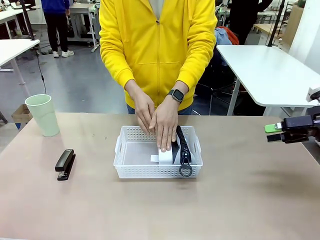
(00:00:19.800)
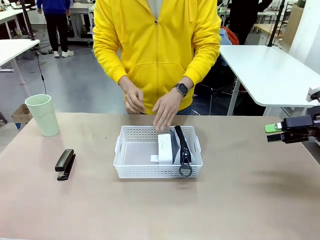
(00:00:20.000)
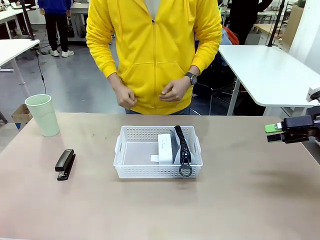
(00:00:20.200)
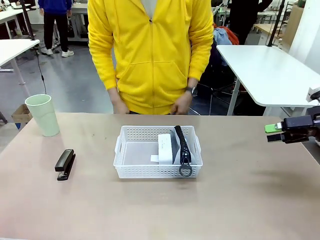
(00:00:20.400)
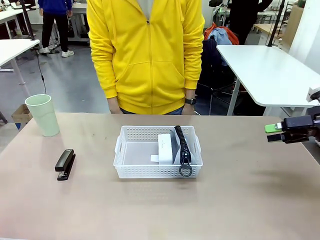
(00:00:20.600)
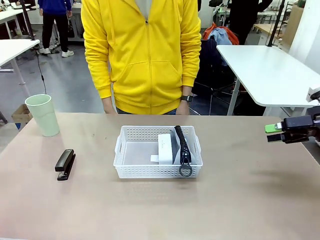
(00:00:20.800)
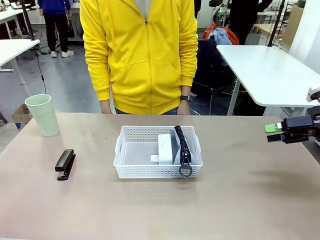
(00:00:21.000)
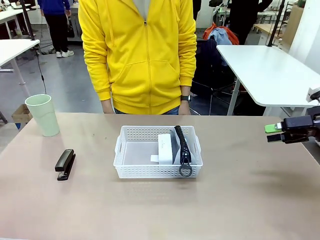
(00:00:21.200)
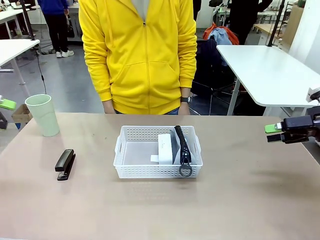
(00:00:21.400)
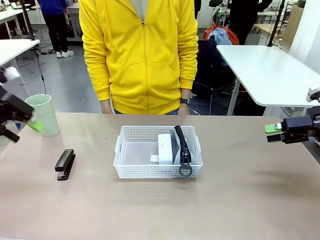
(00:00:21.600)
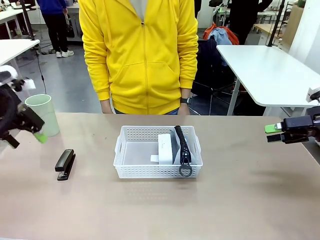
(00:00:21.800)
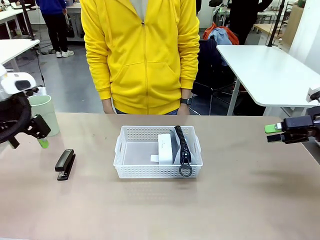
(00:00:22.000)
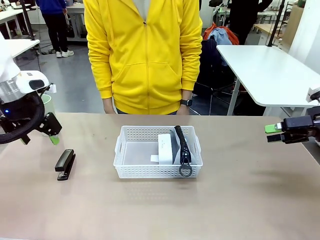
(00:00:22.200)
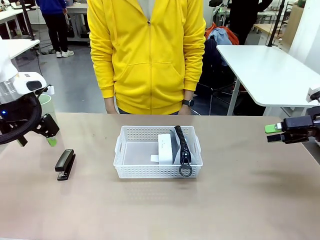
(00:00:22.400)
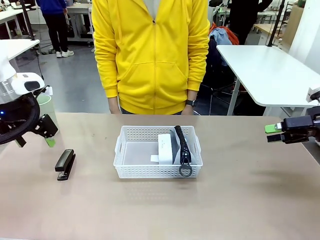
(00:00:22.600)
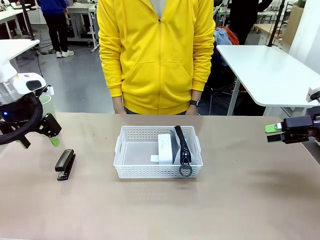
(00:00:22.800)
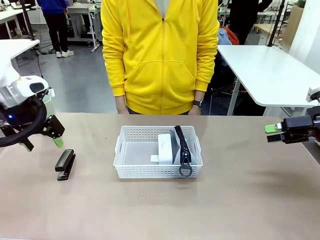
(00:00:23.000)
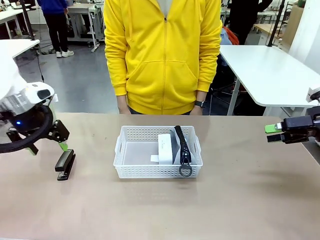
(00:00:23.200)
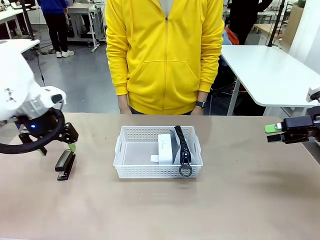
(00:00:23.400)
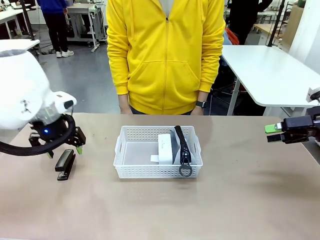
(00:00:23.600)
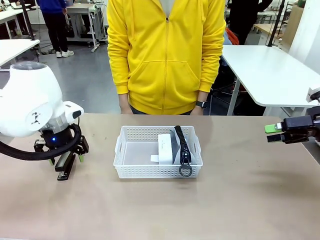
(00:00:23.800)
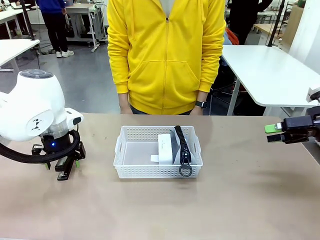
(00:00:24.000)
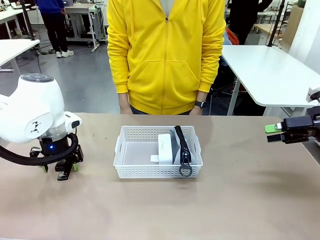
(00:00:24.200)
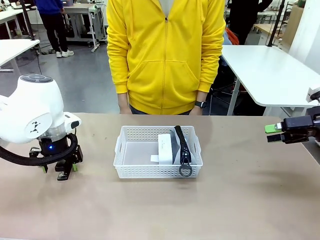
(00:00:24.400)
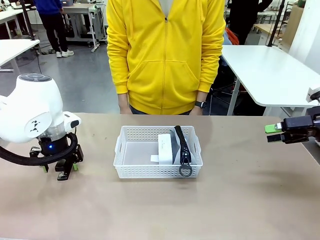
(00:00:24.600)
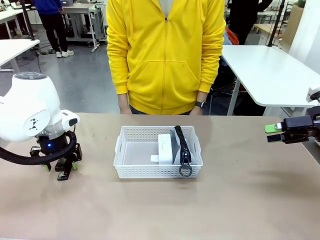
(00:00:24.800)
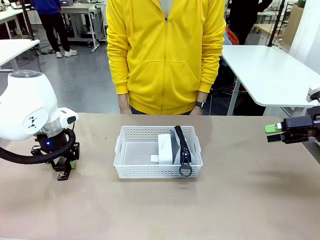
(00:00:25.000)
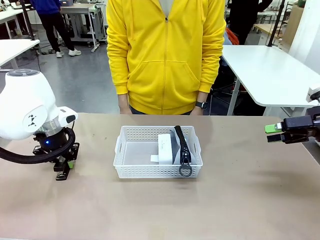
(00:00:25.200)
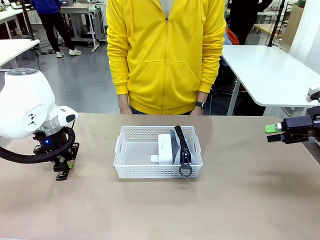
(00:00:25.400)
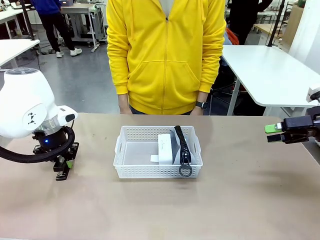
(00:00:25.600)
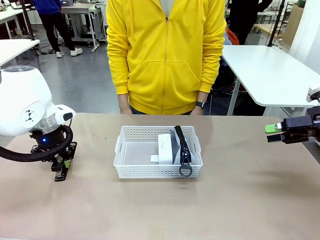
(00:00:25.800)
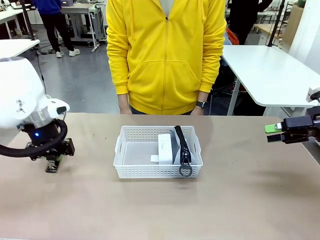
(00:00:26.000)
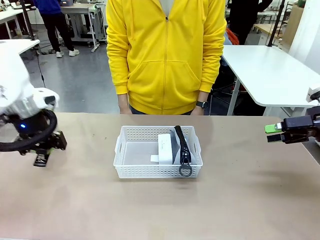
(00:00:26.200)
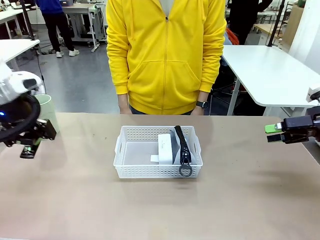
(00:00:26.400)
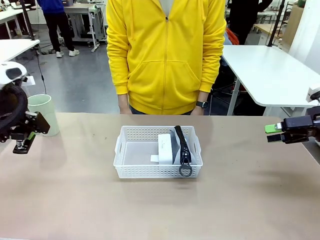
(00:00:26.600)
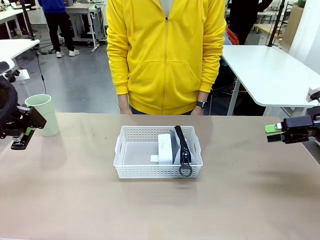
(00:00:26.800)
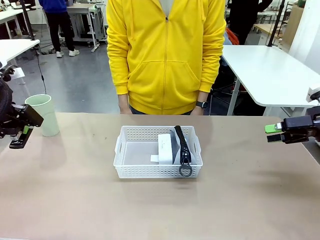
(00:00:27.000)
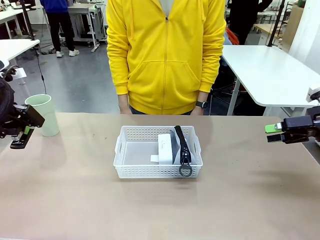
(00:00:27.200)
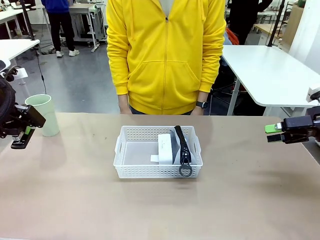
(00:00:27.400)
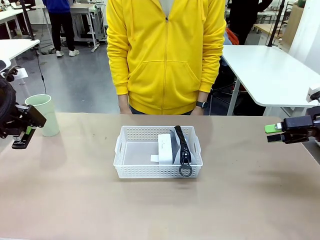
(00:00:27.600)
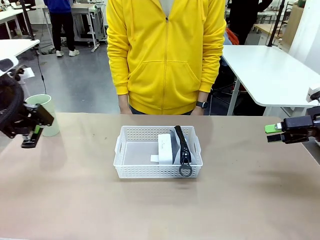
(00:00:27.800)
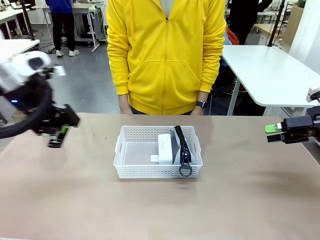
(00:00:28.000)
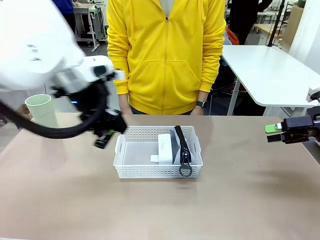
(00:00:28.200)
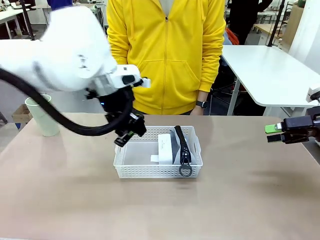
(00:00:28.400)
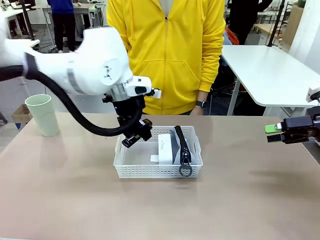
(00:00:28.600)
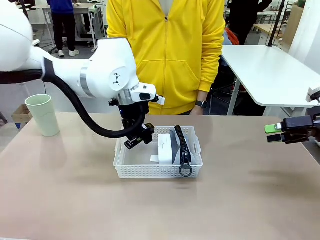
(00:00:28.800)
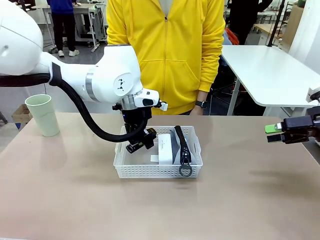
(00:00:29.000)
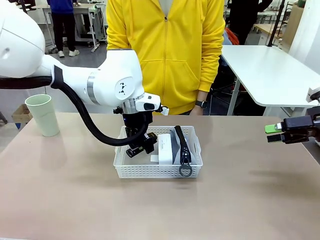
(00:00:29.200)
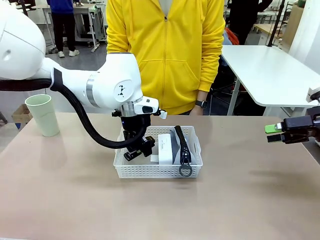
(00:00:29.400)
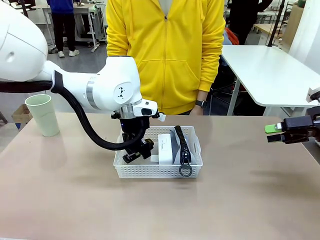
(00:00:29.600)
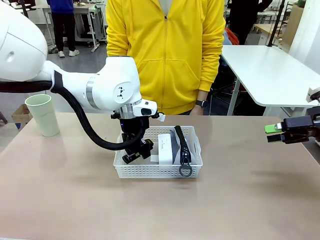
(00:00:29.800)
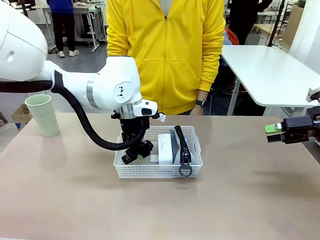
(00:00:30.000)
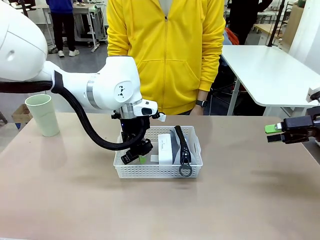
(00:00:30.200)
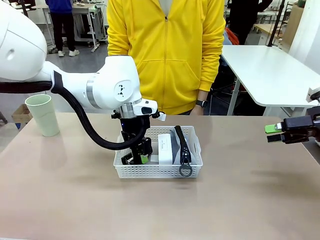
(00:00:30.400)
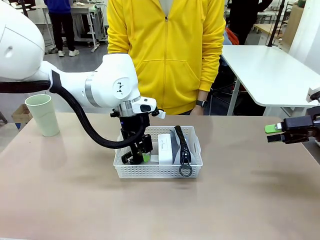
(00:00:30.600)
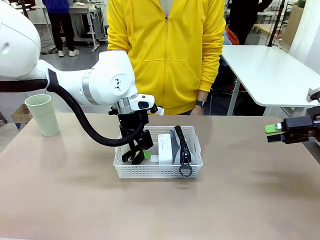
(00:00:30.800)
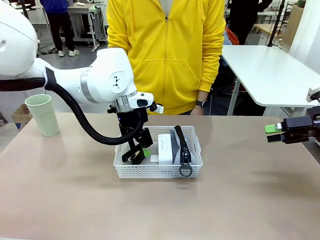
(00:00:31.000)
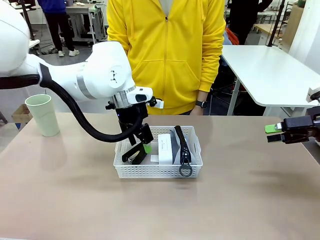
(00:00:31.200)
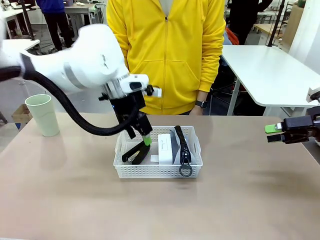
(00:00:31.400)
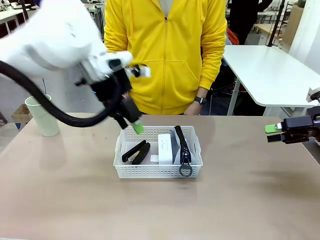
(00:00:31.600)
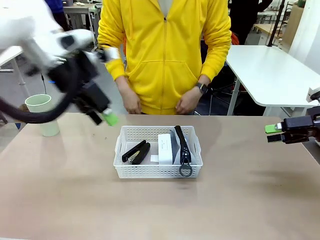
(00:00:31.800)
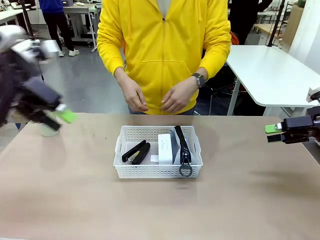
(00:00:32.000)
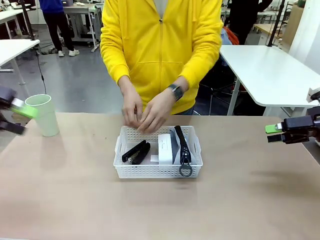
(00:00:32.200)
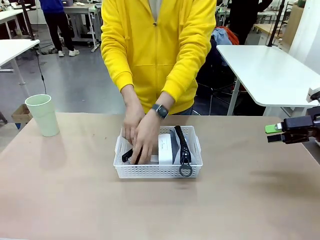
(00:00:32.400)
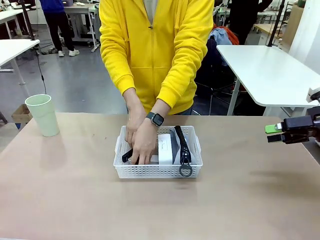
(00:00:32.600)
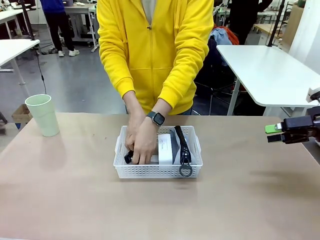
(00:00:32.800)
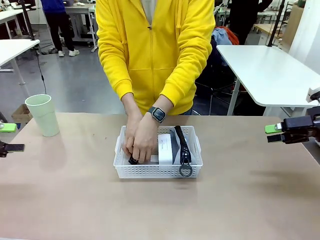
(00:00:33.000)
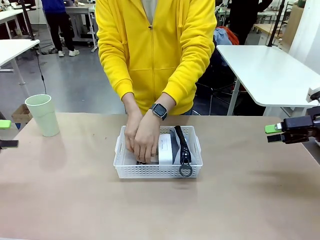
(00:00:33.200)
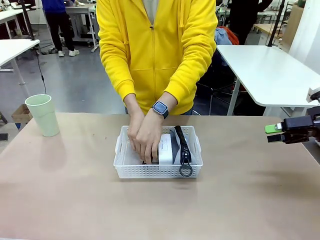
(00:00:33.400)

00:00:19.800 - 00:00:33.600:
Task: Efficiently arrange items inside the basket to fit them all.
Robot: Pick up the Stapler and place it inside the Organizing basket.
